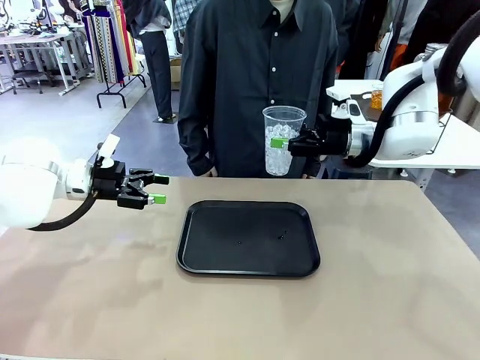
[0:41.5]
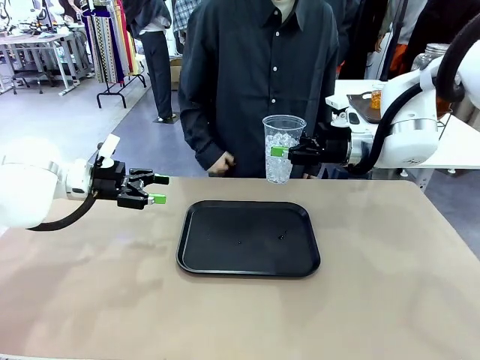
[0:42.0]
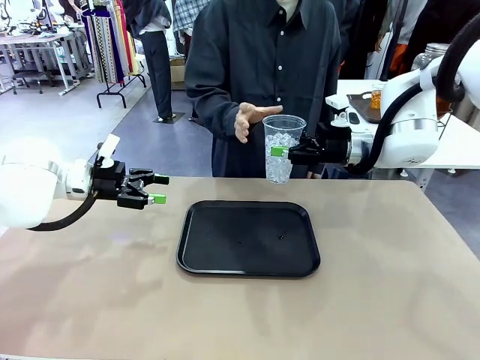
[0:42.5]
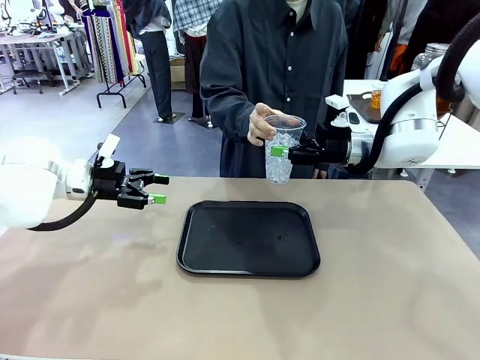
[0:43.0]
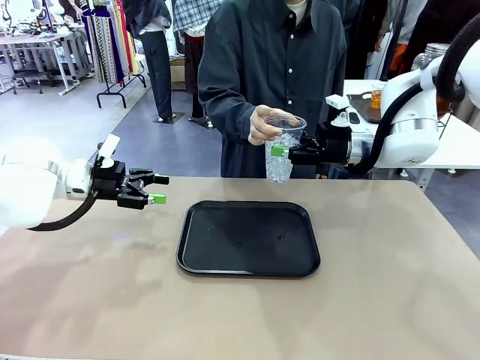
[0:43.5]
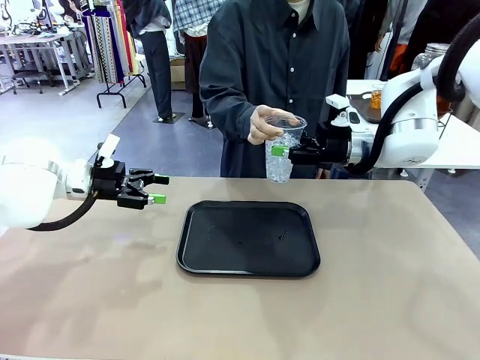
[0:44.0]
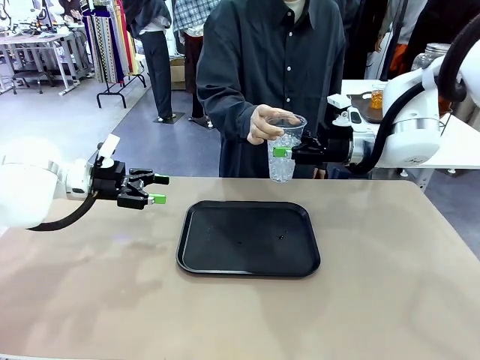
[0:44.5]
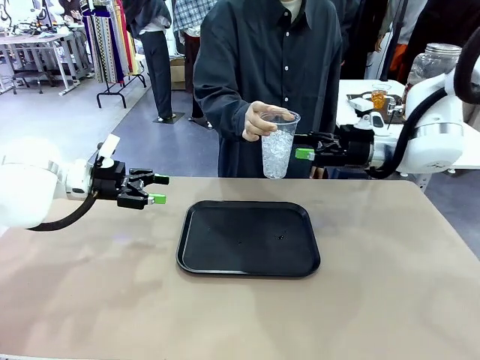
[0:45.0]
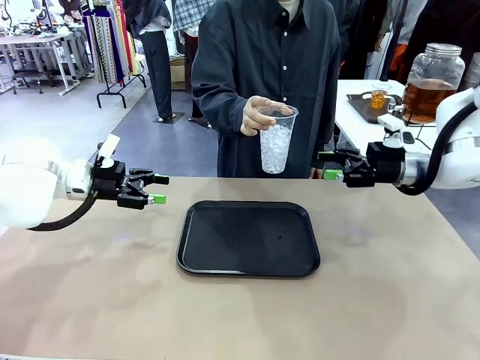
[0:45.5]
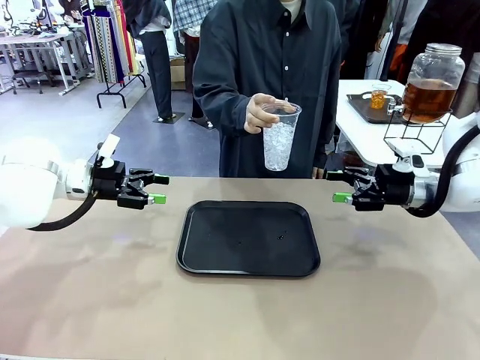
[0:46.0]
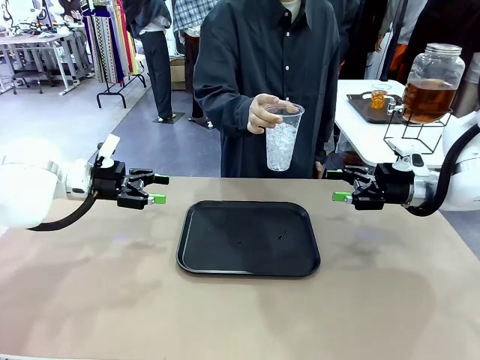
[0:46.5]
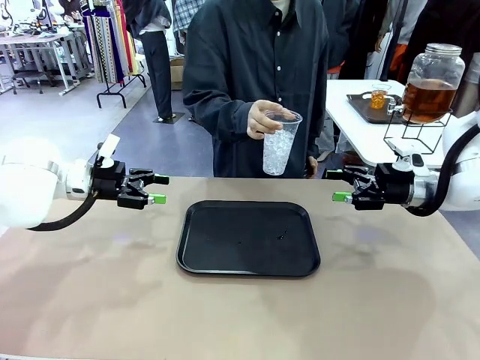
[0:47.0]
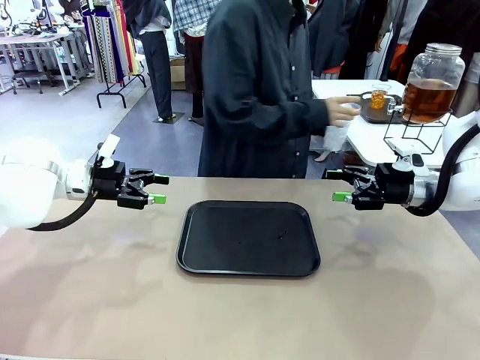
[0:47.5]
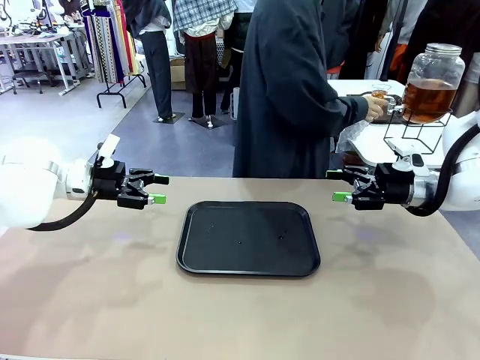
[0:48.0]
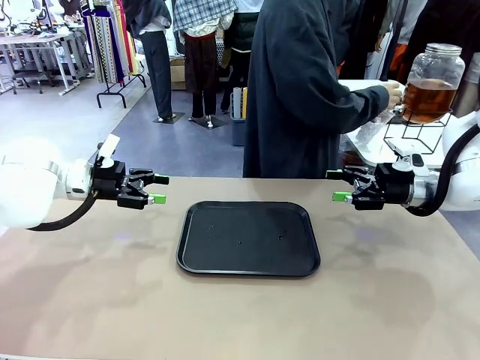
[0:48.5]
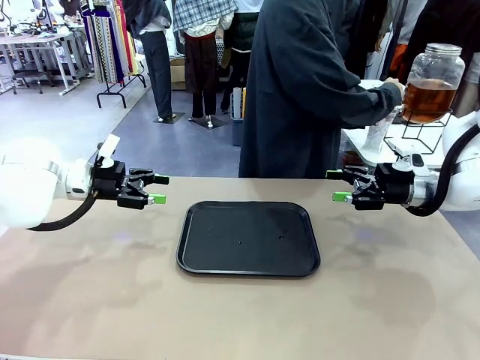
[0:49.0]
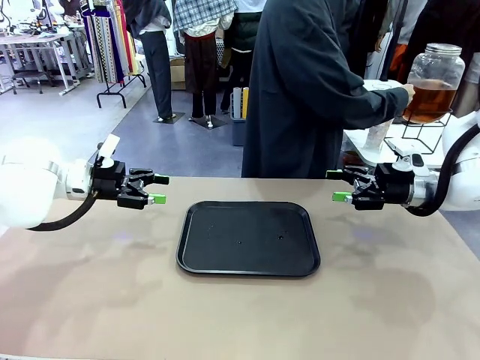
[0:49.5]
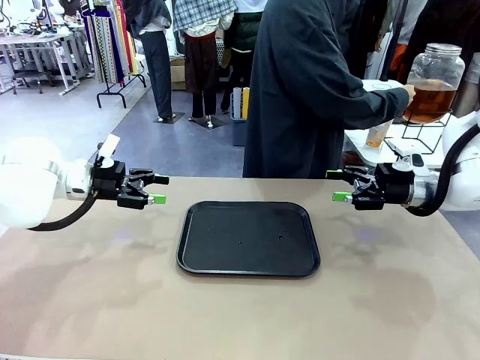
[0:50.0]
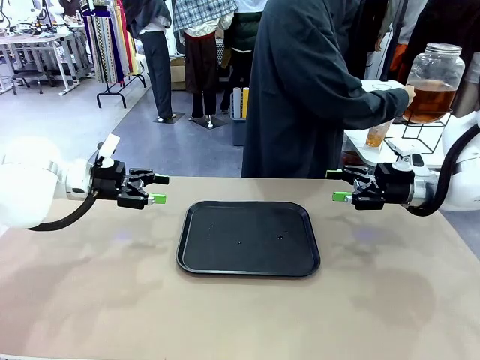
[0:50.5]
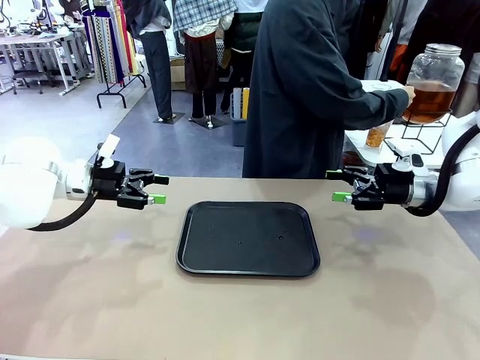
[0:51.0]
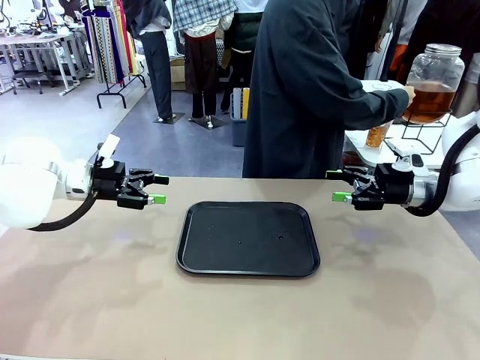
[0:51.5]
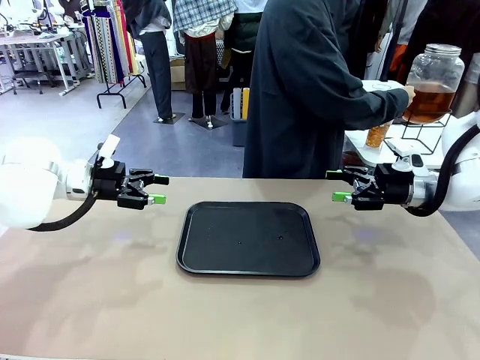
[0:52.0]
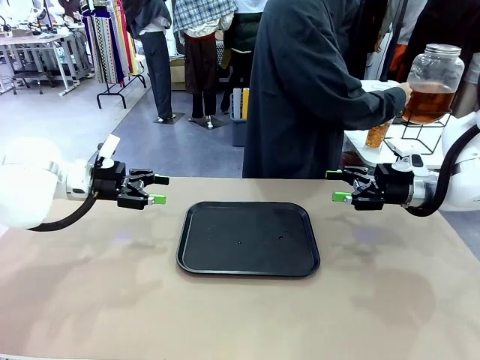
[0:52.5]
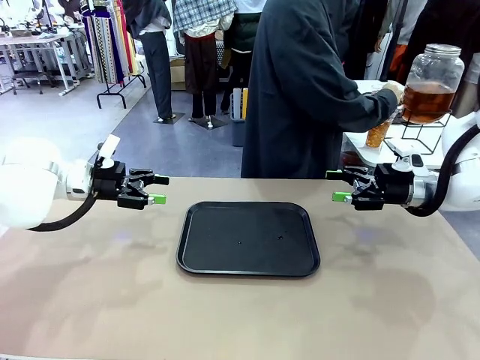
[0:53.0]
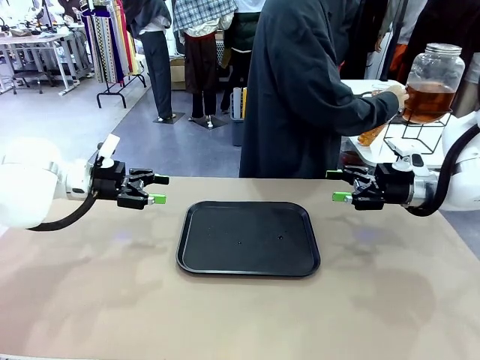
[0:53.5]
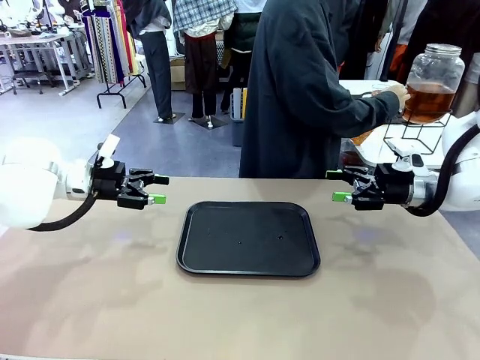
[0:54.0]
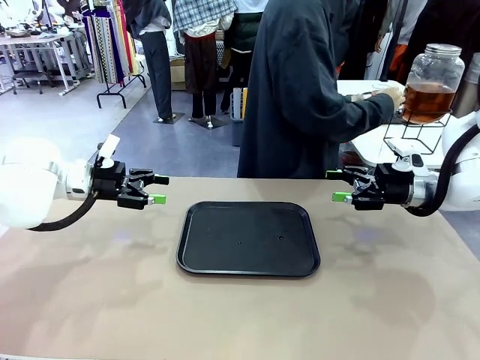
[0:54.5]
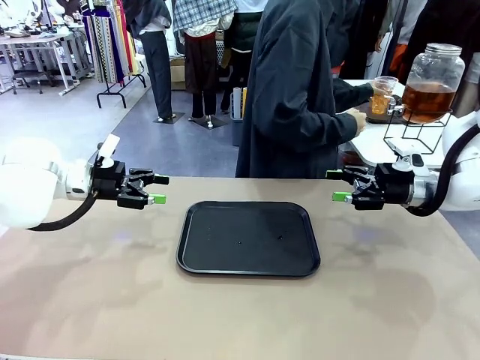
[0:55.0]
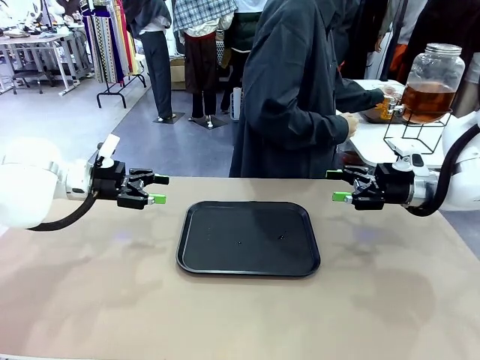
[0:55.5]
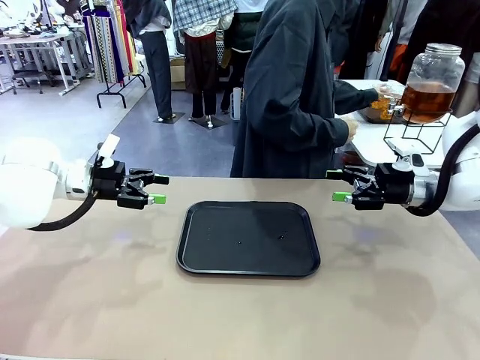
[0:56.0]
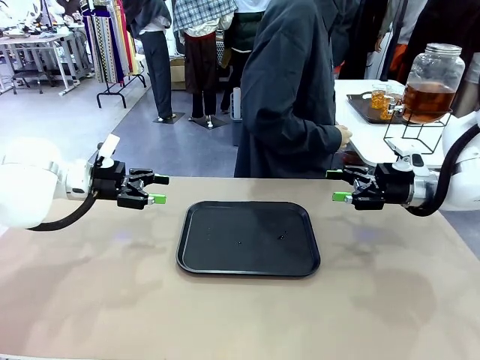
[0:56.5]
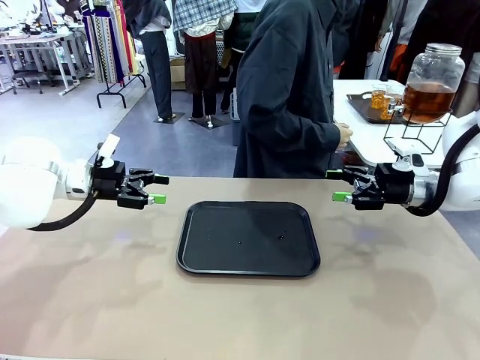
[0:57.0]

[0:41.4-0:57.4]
Task: Pour the drink into the iced cup.
Robot: Open the gripper to release the iced cup you were holding.
Person: Move the picked-up cup under the dispenser faucet, pour the drink, and place it on the tray on the human table.
